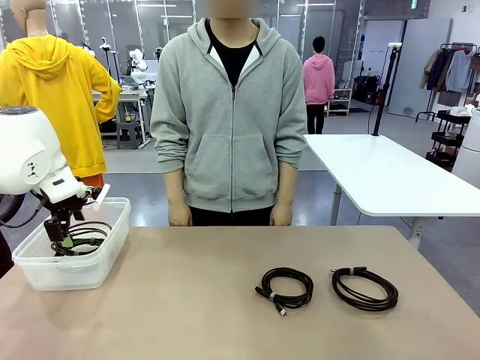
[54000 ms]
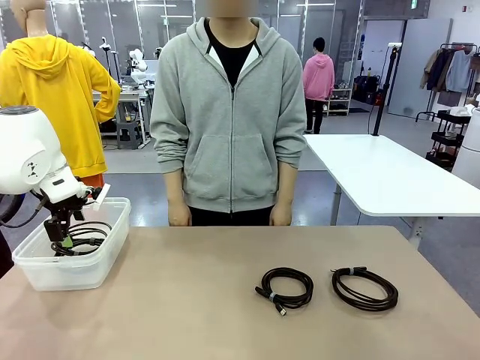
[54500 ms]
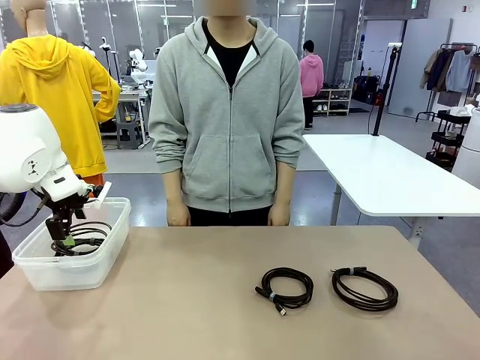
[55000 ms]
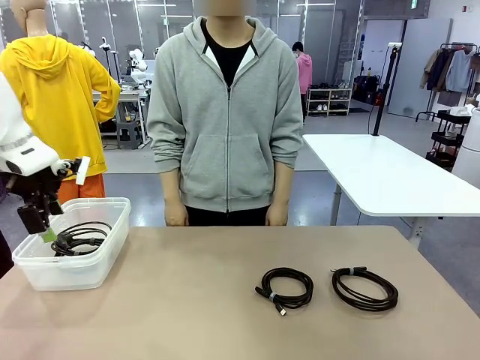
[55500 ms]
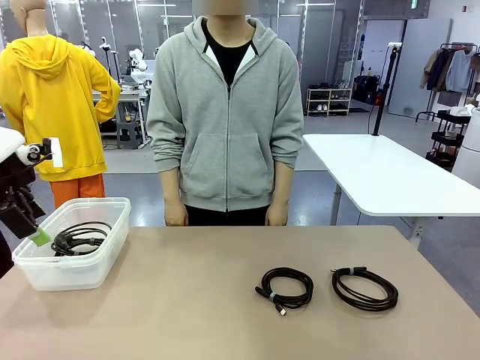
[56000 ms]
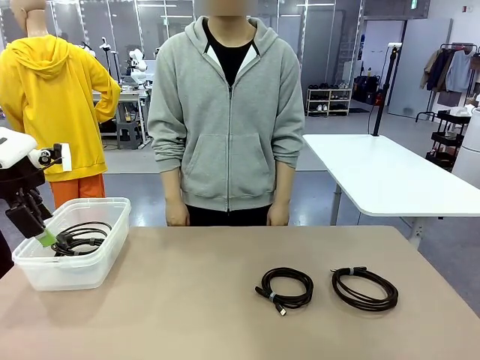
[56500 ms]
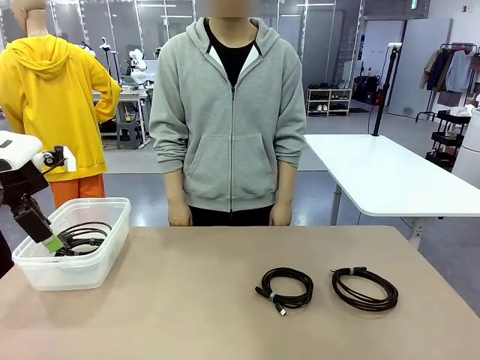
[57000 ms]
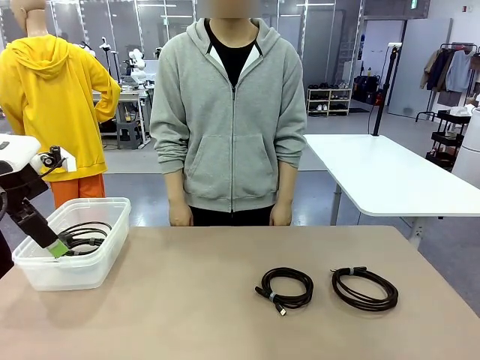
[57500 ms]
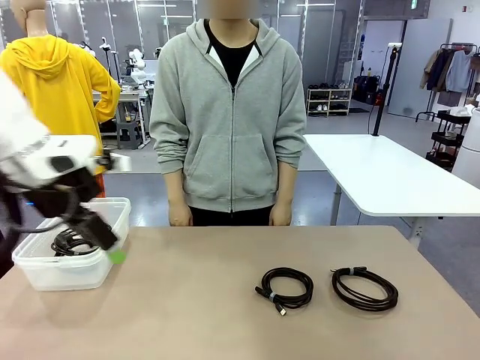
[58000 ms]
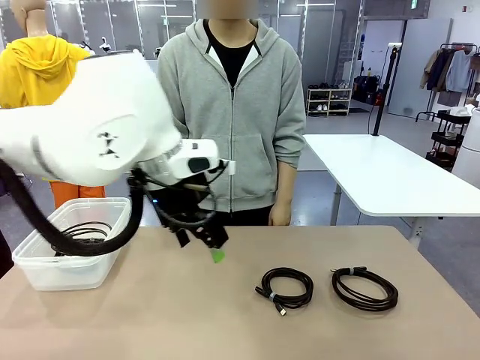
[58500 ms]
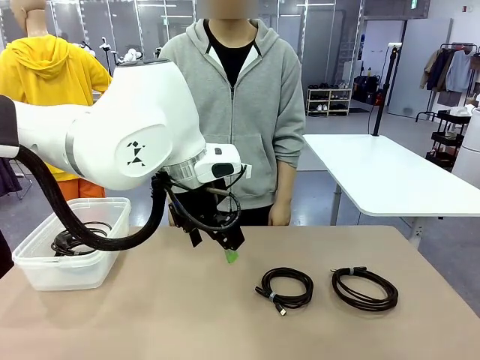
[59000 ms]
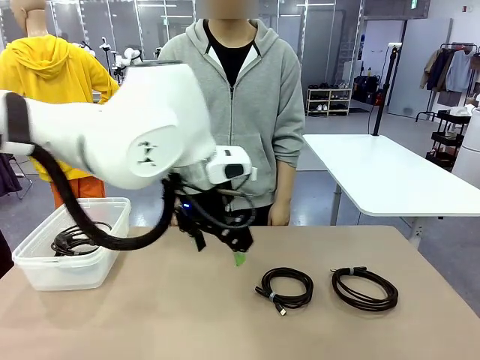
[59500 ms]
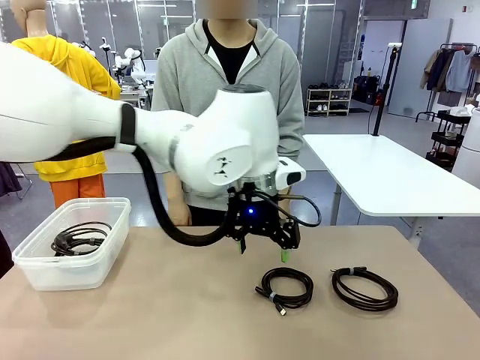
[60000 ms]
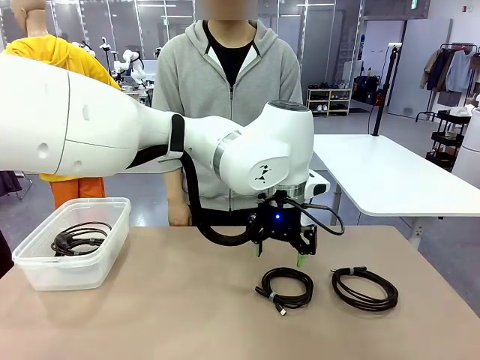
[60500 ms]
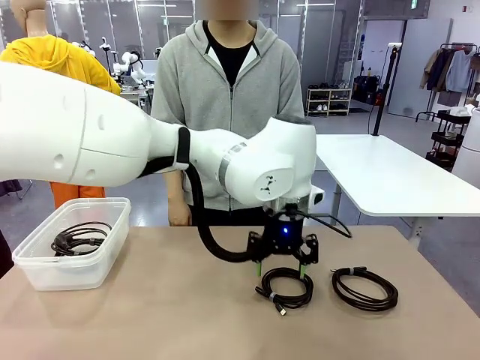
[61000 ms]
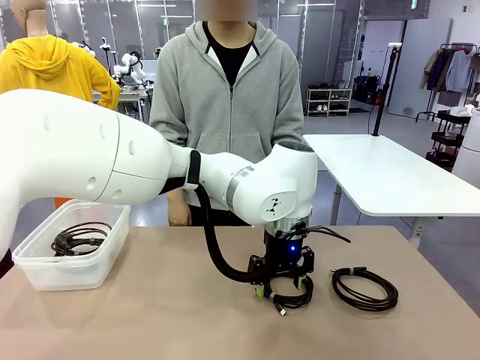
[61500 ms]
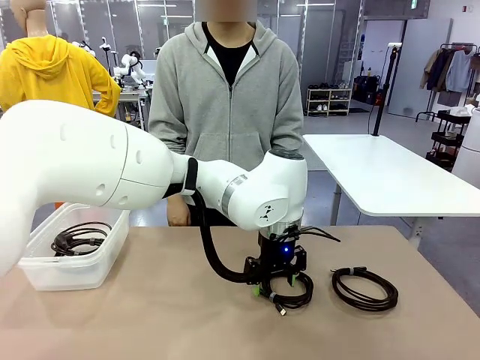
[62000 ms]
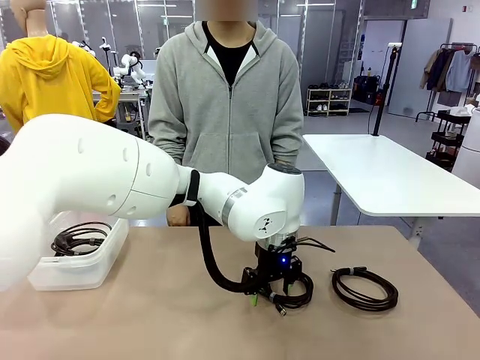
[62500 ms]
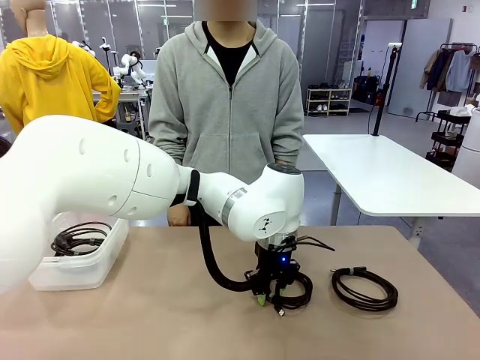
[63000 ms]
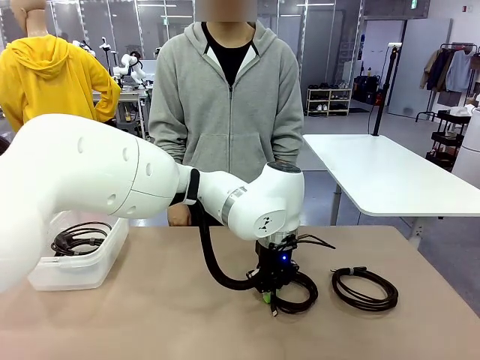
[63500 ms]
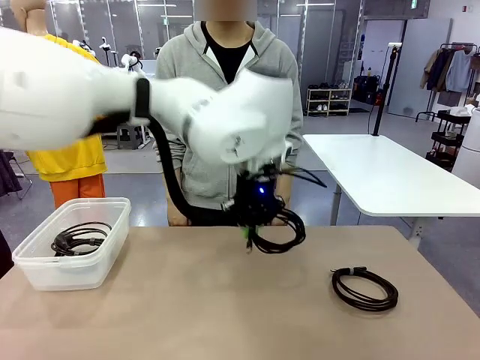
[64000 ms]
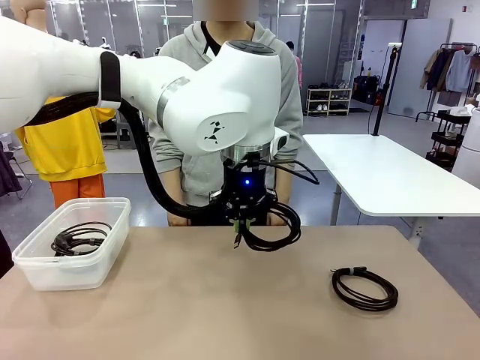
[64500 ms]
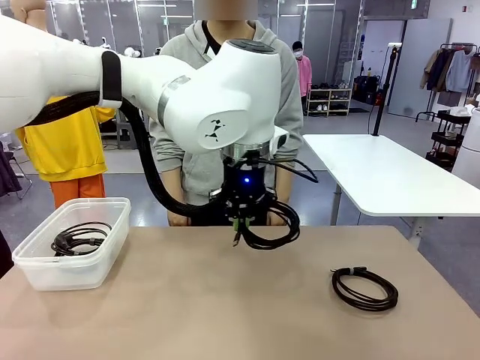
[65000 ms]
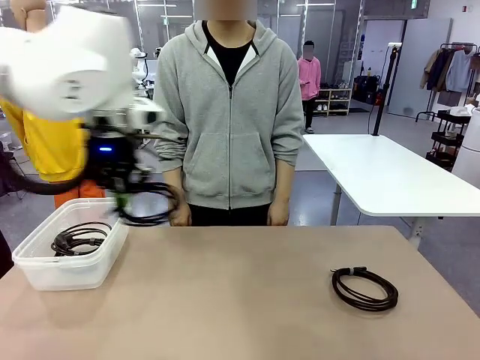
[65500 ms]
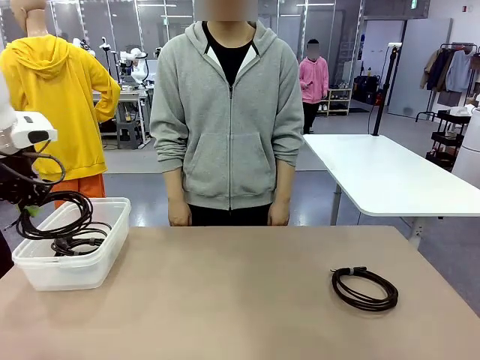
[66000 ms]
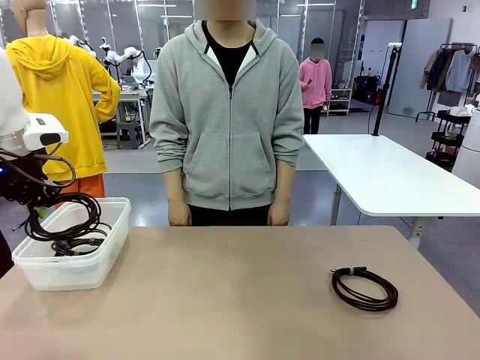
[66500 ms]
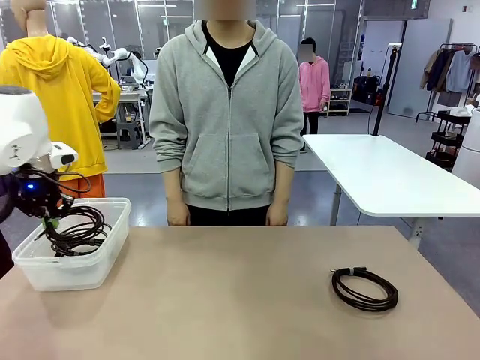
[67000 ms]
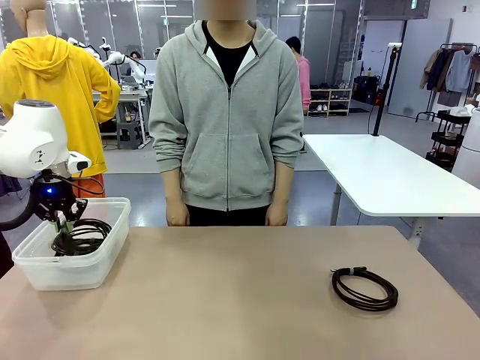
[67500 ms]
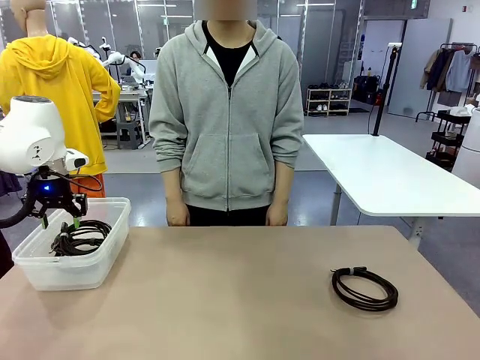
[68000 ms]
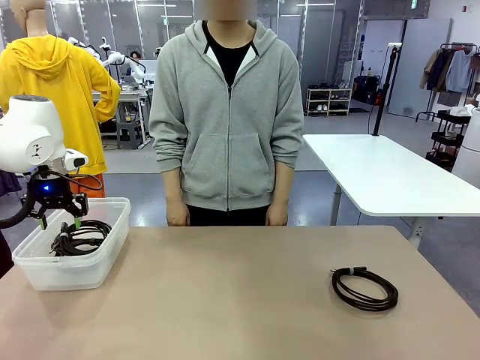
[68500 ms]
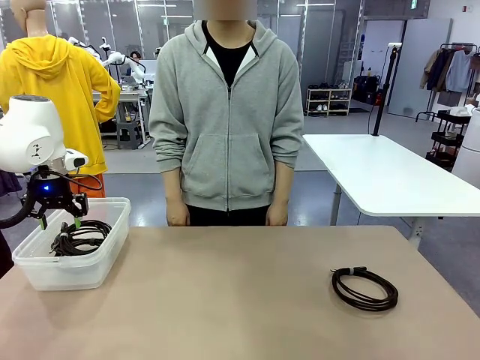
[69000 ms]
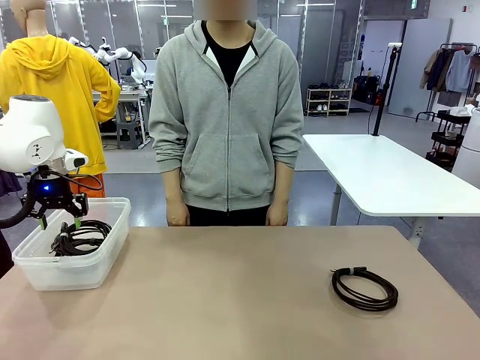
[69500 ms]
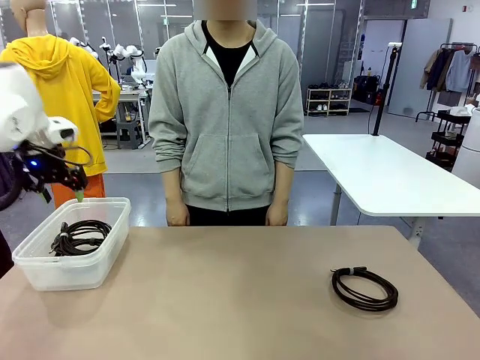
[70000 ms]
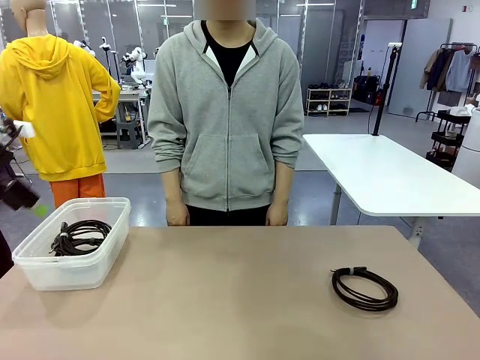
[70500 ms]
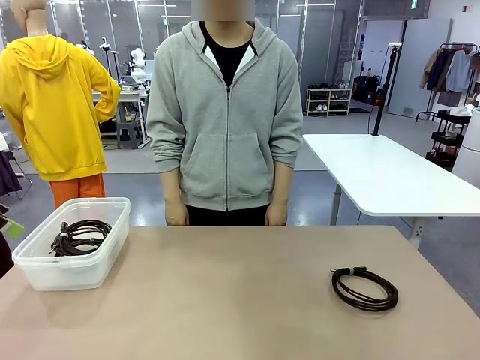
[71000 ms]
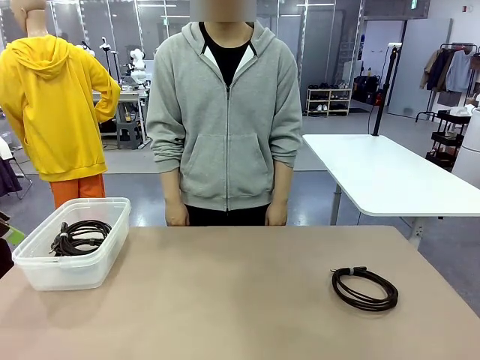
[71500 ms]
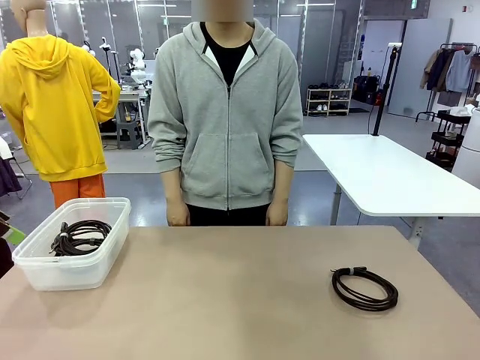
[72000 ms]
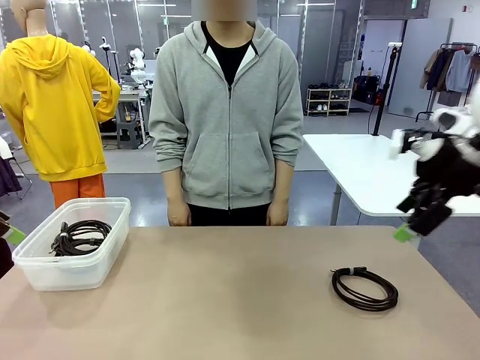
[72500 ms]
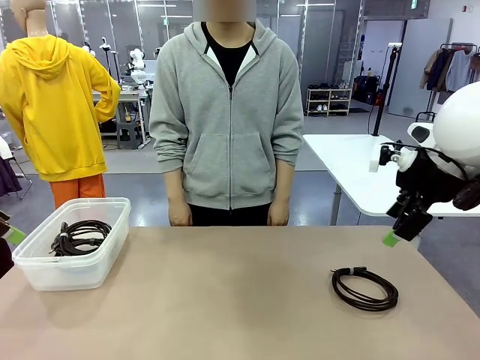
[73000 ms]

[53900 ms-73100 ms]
Task: Organize and store the cables.
Robot: Place the USB Extension Cable into the Organizing box.

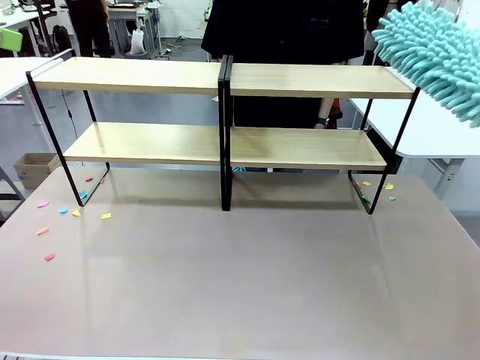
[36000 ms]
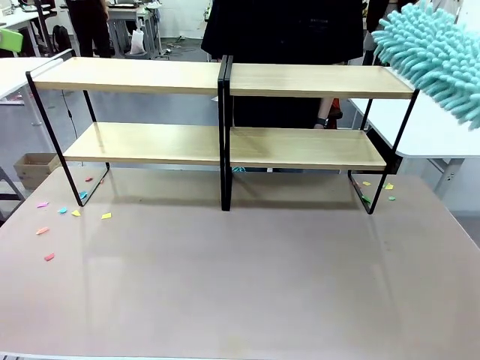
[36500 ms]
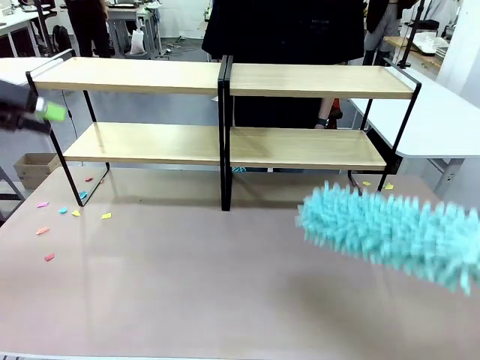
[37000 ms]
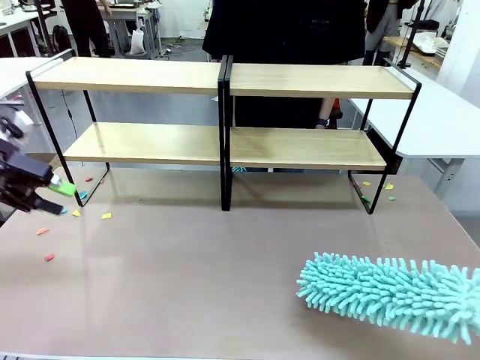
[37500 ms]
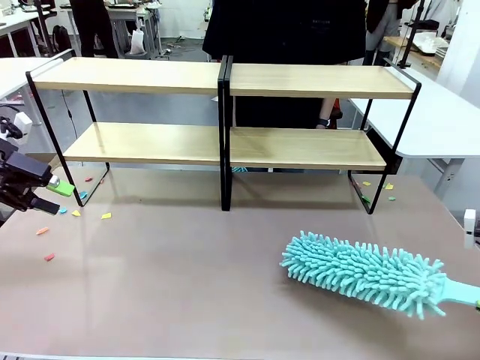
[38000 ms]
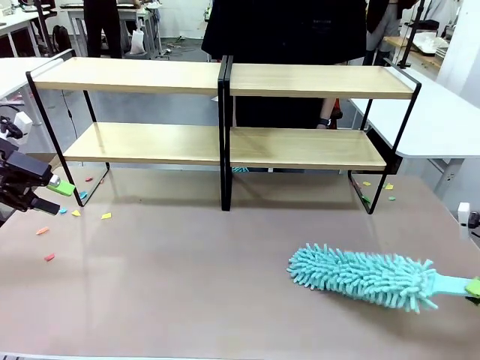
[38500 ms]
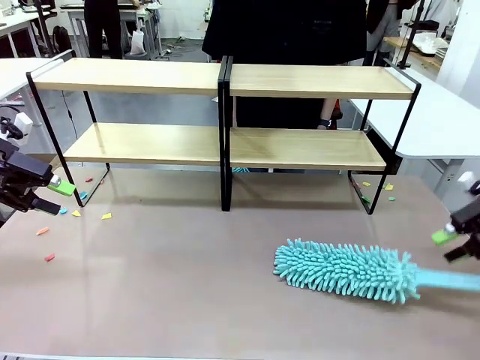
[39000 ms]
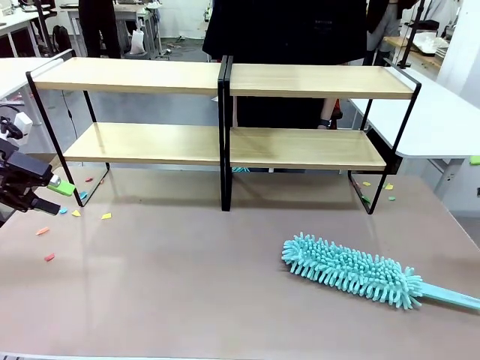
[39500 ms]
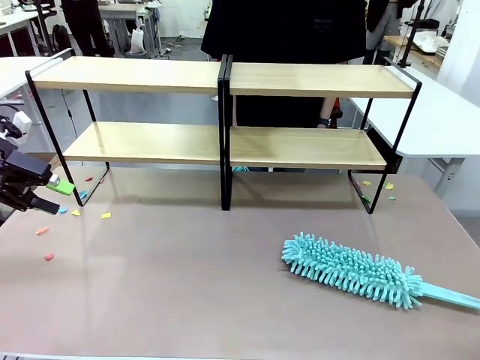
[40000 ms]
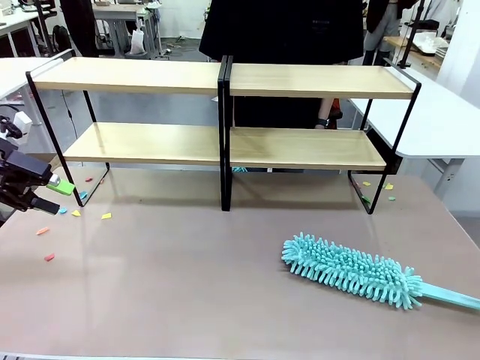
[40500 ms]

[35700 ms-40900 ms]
Task: Clean the shelves.
Robot: Place the Duster on the table.
